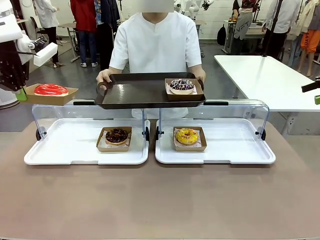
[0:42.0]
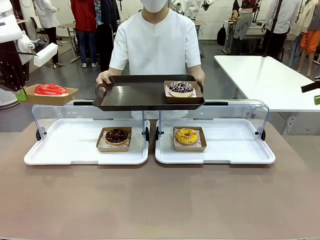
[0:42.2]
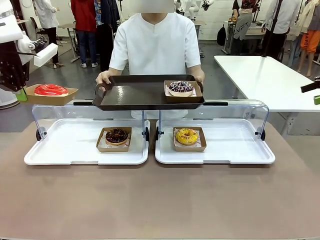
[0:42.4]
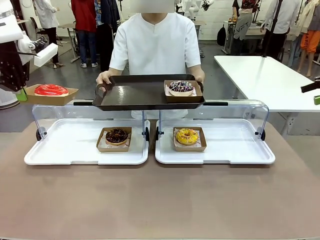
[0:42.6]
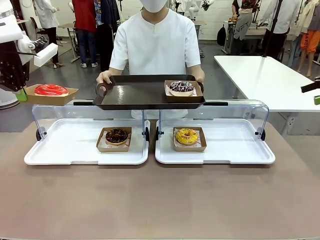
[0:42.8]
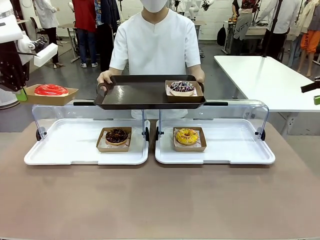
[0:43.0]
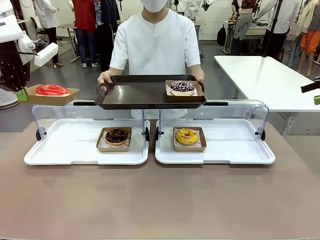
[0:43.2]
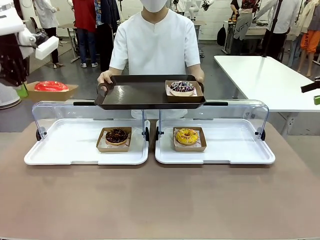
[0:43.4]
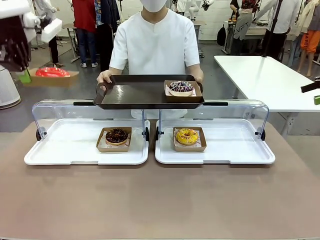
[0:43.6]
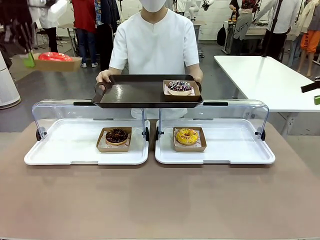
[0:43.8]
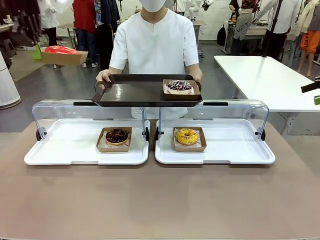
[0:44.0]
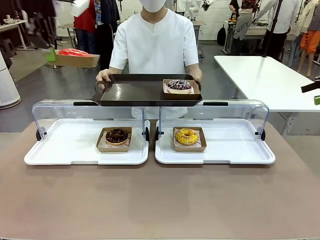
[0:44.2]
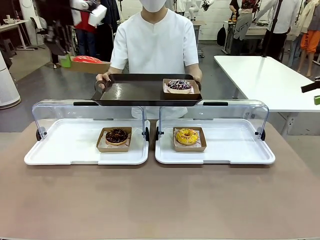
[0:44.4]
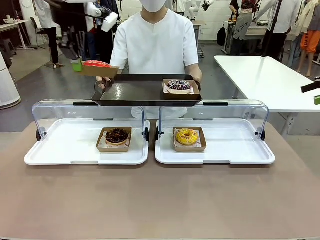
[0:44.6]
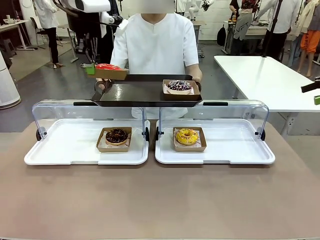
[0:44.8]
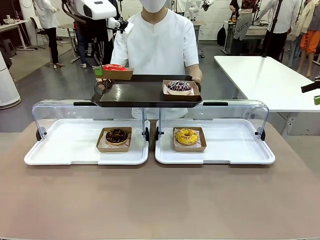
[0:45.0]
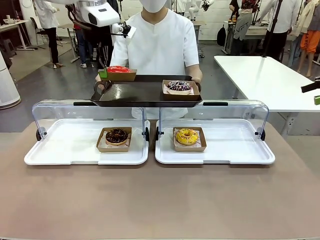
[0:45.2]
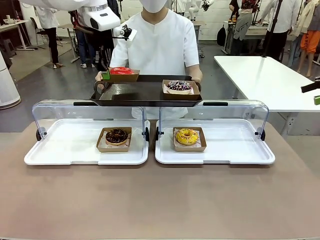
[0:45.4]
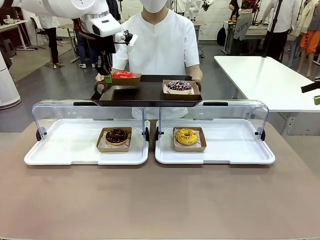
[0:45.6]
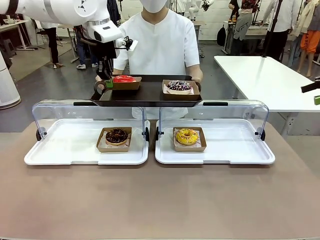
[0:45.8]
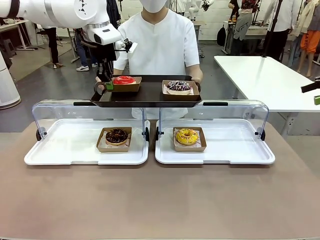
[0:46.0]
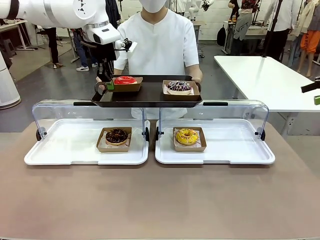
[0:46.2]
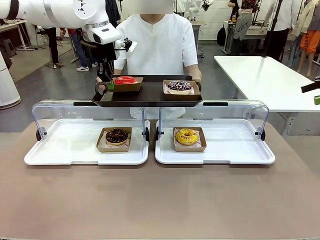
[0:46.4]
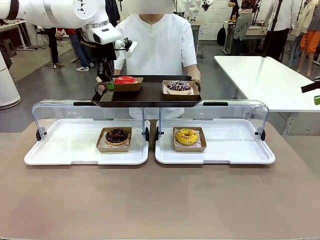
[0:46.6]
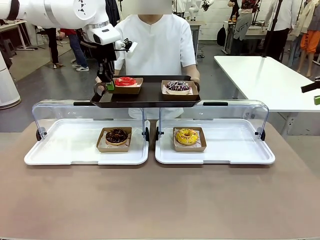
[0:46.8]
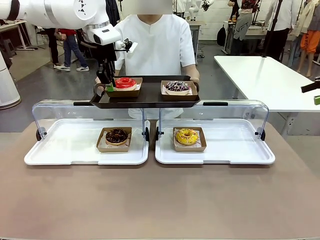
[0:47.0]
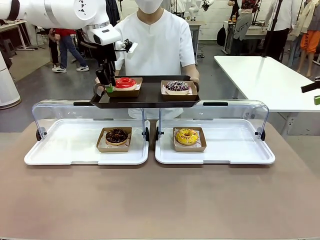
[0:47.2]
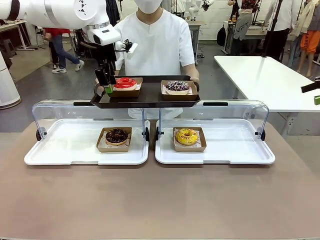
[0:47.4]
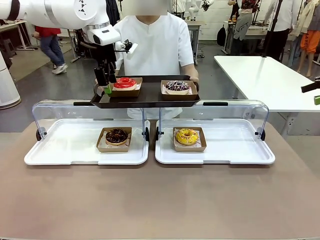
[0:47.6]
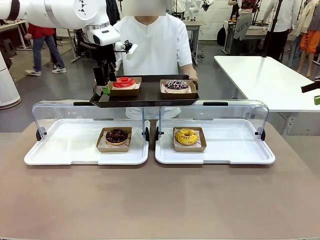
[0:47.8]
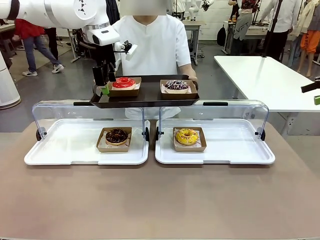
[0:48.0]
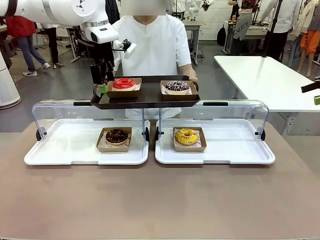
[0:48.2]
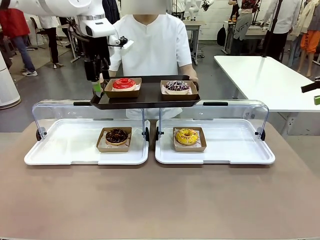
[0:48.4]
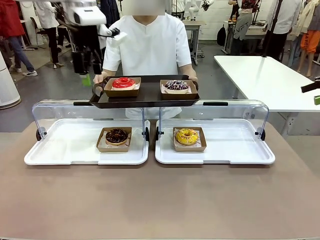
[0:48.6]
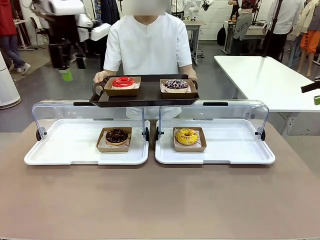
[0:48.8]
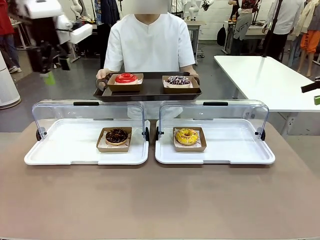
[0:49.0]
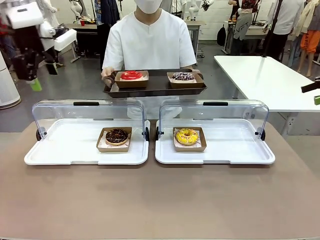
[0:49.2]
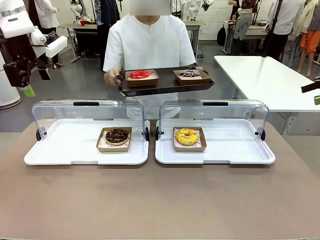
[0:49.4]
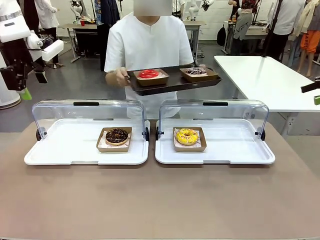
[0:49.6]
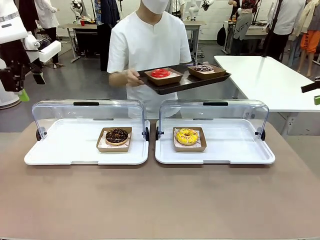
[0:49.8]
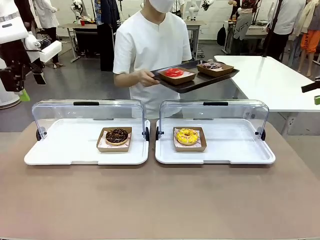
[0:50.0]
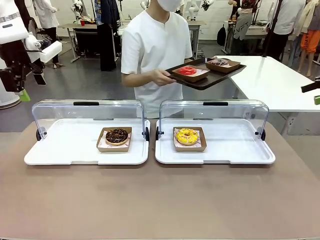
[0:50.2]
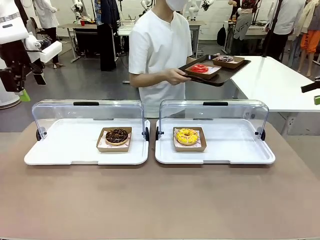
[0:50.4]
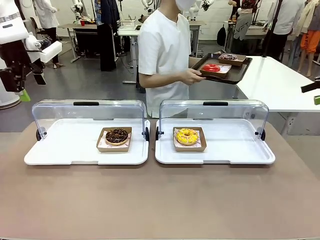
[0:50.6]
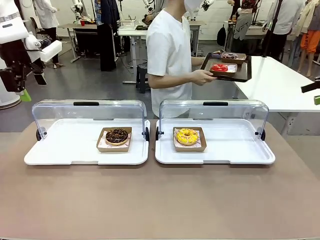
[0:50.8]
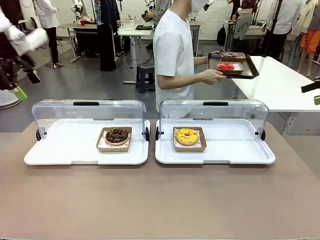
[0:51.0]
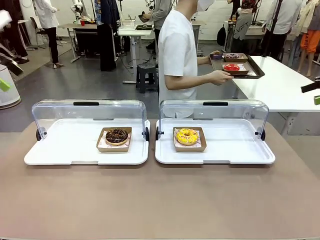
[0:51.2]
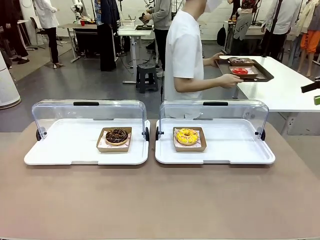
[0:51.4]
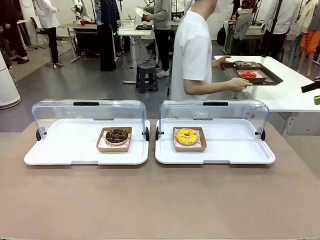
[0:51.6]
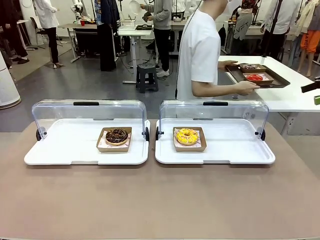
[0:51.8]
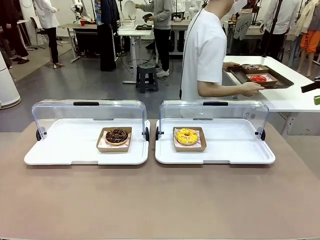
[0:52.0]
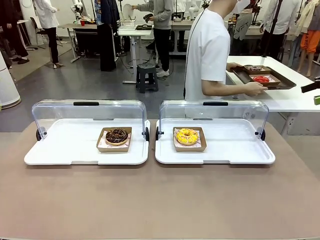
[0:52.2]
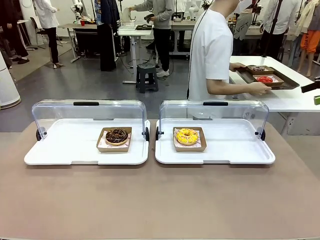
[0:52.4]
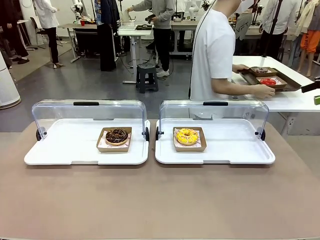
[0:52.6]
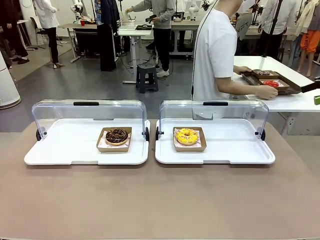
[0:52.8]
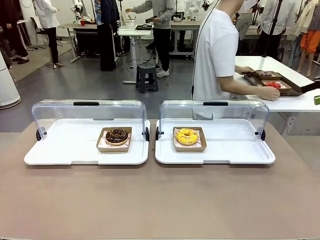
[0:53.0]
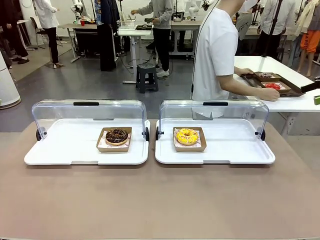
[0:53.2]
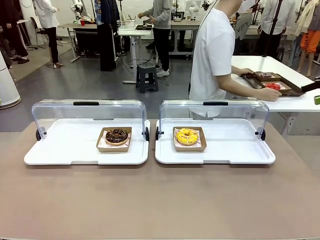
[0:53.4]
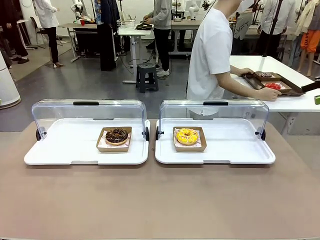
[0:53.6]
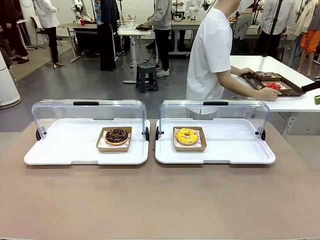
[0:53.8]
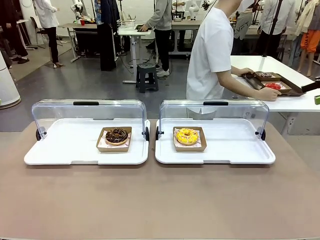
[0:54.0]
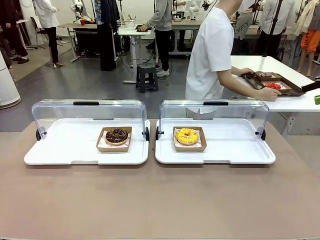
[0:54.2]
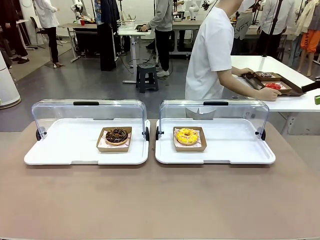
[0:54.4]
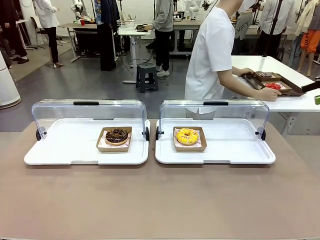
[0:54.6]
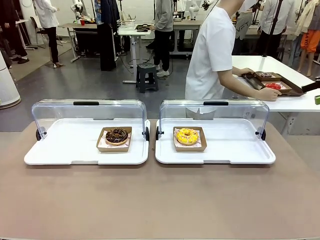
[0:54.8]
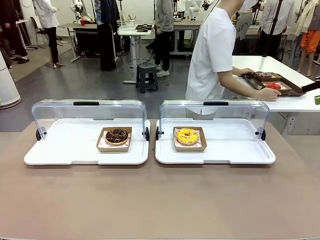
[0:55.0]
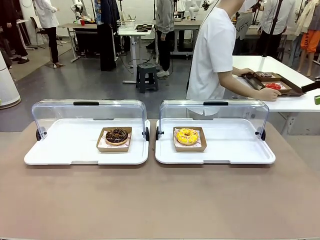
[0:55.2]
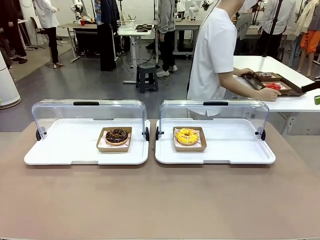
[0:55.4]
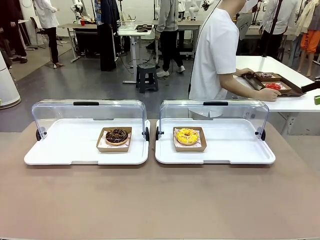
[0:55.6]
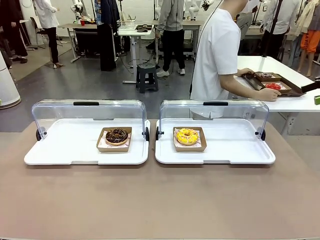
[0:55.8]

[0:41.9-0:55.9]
Task: Provide the desired donut to the person.
Robot: Place the picked Paper togo box onto the Handle tray extended by the person.
Person: Place the tray in the middle of the human table.
